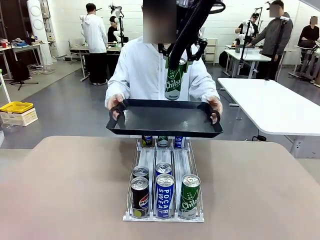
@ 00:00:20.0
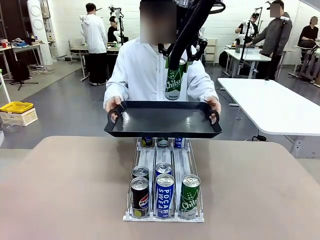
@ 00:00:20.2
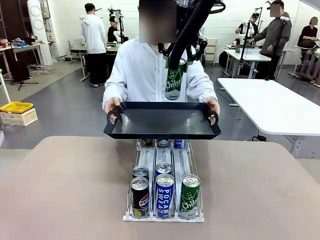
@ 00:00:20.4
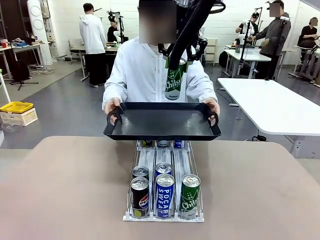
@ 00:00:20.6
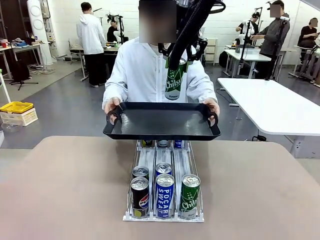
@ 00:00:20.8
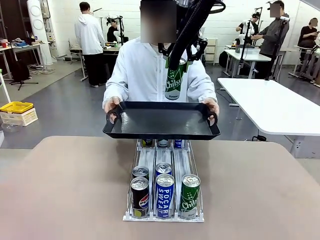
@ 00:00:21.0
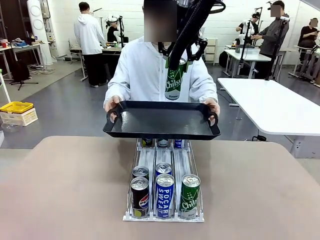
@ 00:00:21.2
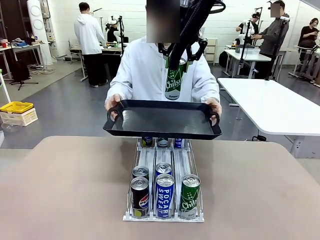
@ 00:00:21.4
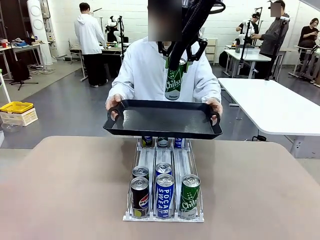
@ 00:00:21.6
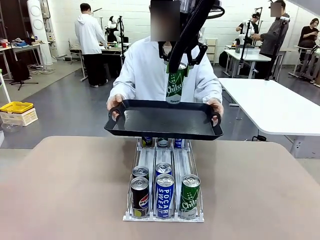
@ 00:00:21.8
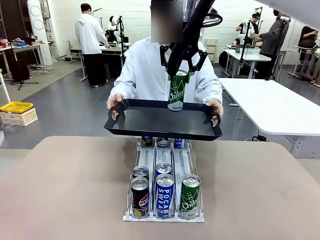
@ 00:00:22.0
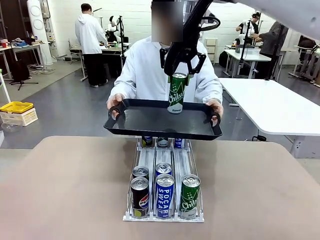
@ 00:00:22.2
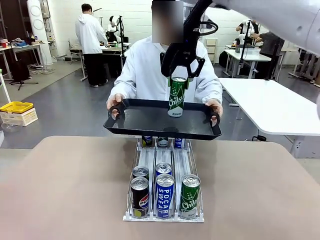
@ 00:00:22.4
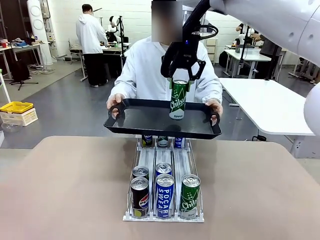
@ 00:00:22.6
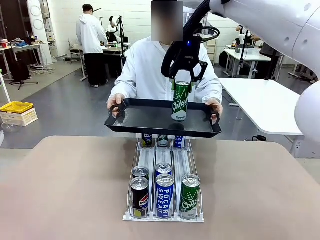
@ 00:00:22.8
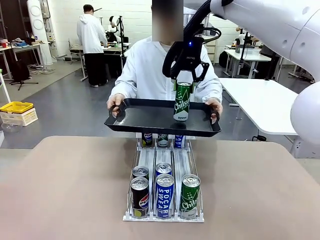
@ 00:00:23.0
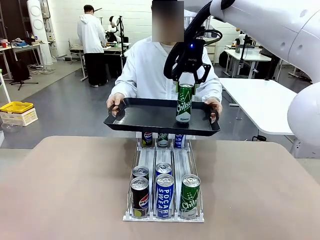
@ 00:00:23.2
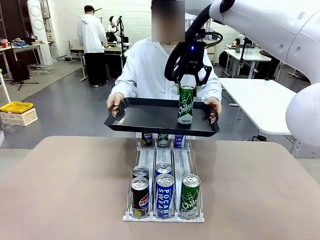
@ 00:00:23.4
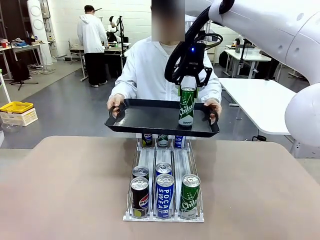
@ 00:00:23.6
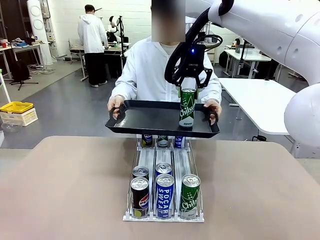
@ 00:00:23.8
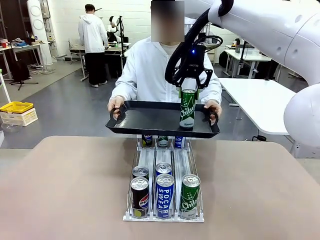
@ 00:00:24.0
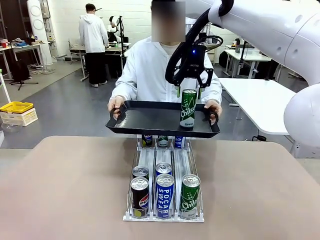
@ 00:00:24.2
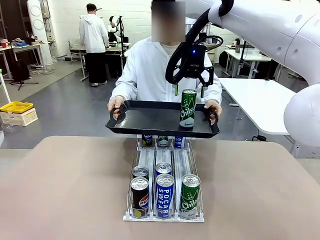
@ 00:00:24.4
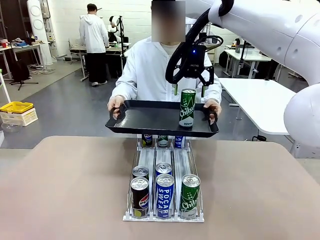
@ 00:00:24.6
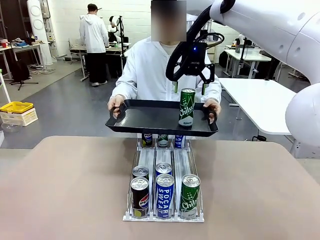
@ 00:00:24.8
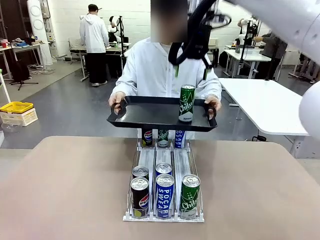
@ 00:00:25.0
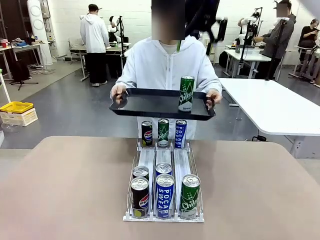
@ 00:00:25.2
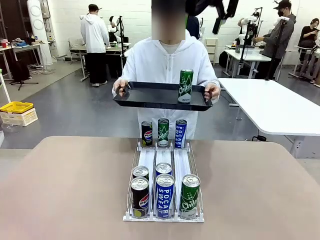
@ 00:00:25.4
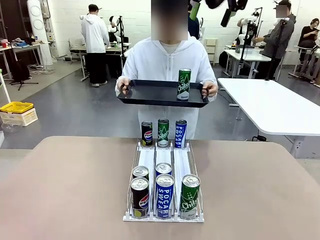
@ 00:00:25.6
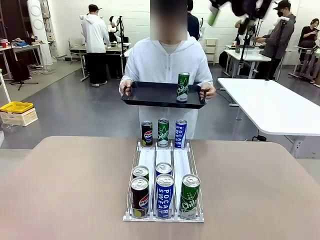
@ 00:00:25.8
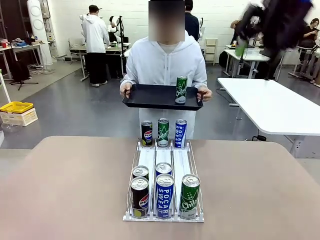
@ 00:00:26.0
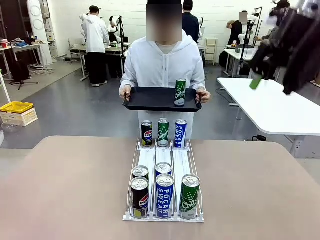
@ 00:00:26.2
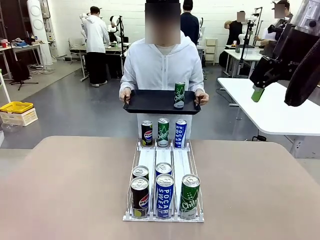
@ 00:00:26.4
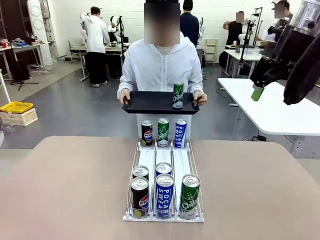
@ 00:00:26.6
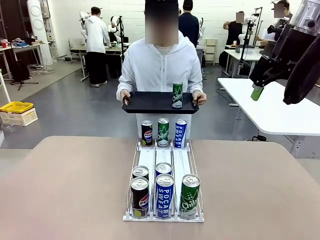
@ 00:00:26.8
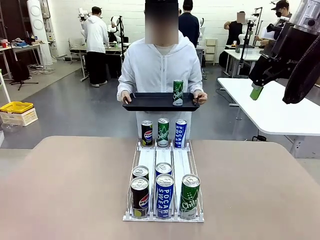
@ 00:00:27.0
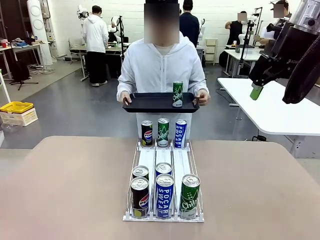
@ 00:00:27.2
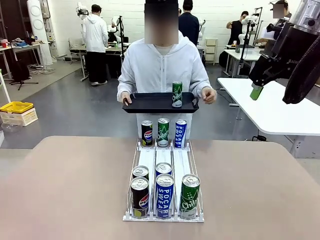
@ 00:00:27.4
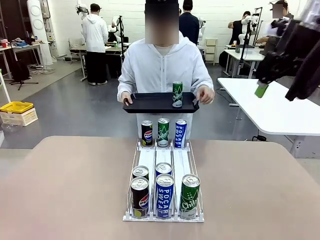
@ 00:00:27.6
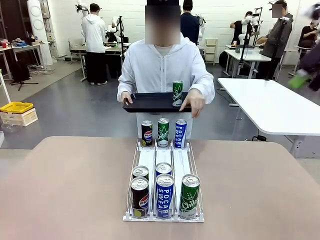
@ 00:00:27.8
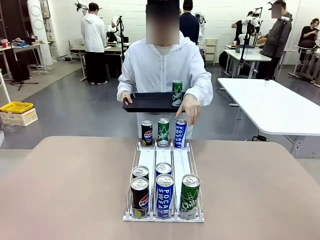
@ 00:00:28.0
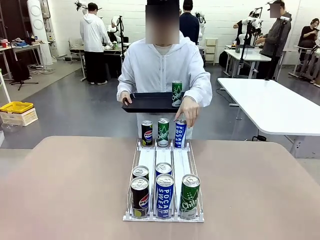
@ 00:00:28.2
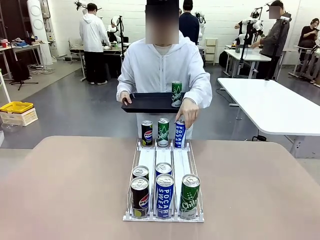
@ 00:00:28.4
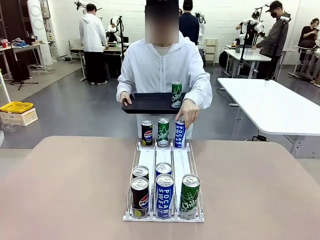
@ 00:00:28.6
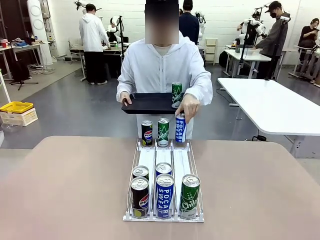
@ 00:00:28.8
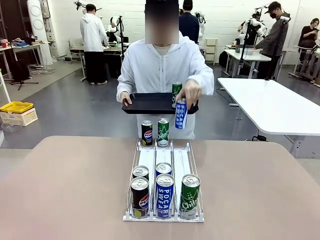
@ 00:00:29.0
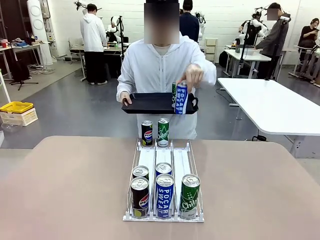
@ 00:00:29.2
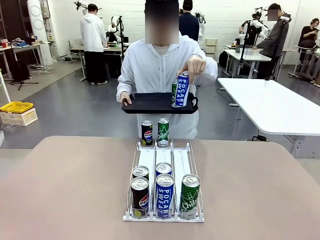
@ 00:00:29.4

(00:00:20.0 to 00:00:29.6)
Task: Retrieve and hand over the desired beverage to the person.
Robot: Place the picked can on the Handle tray extended by the person.
Person: Pull the tray back, then pick up another can from the bottom area of the table and puts it back in its original place.

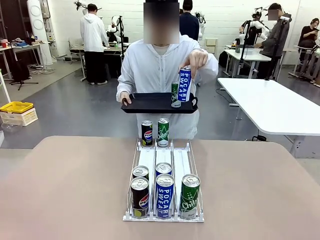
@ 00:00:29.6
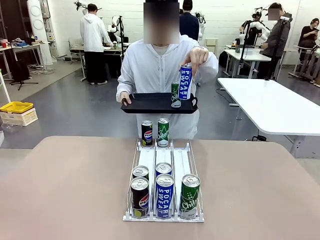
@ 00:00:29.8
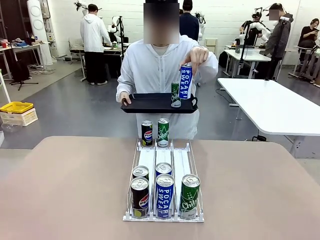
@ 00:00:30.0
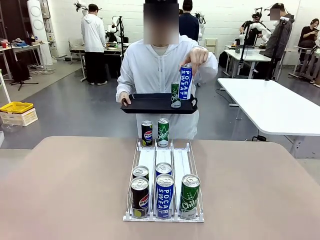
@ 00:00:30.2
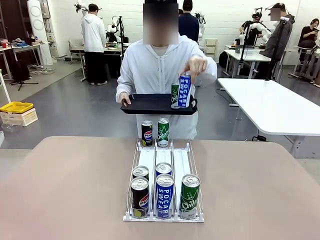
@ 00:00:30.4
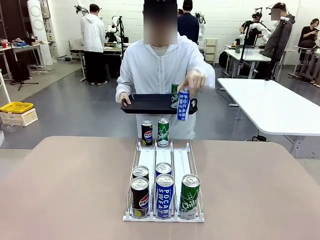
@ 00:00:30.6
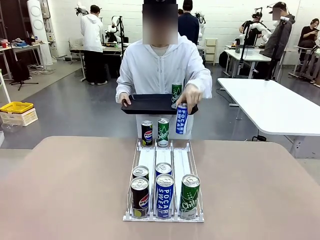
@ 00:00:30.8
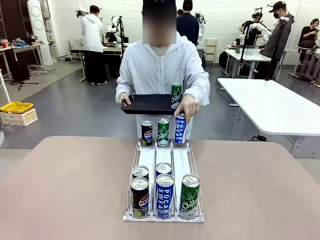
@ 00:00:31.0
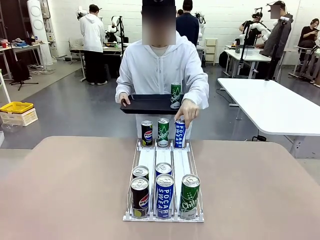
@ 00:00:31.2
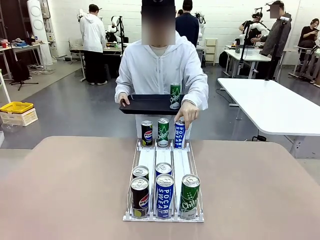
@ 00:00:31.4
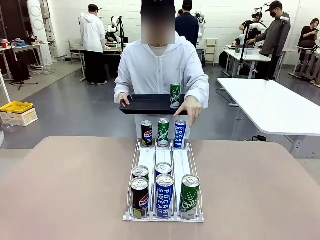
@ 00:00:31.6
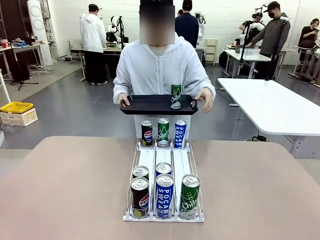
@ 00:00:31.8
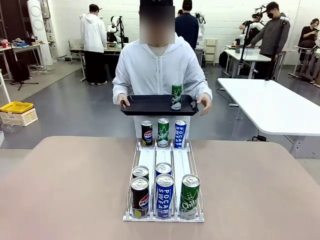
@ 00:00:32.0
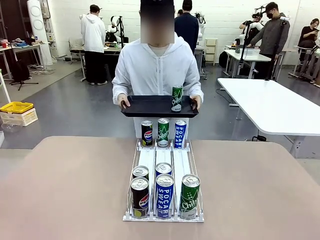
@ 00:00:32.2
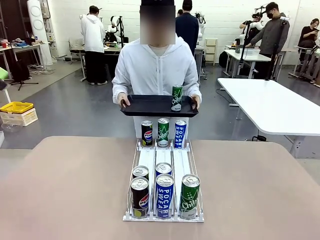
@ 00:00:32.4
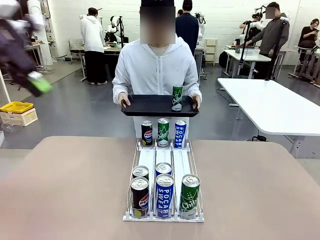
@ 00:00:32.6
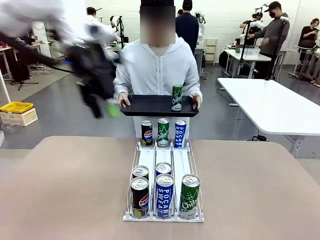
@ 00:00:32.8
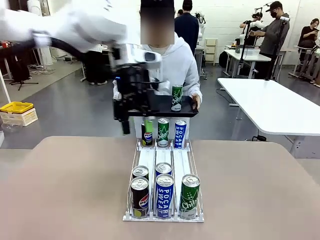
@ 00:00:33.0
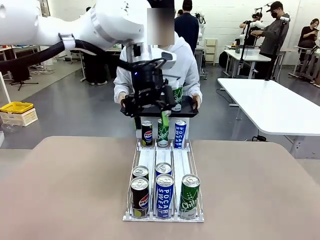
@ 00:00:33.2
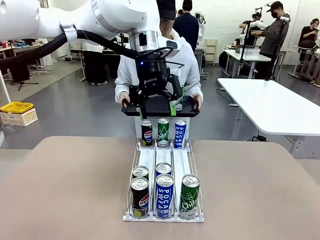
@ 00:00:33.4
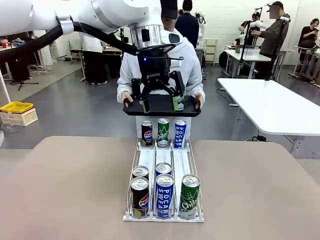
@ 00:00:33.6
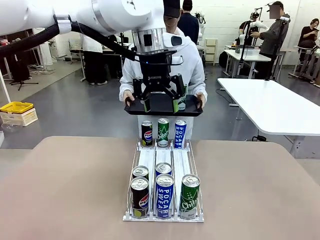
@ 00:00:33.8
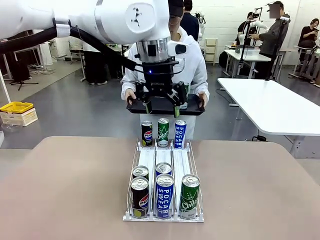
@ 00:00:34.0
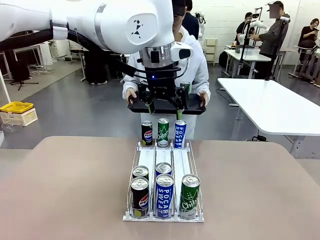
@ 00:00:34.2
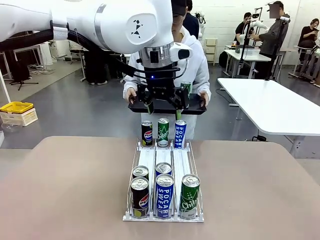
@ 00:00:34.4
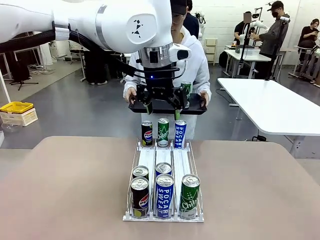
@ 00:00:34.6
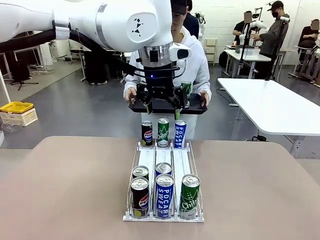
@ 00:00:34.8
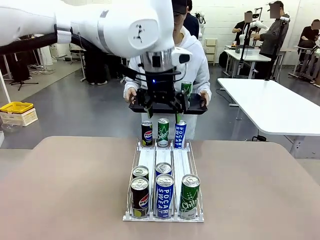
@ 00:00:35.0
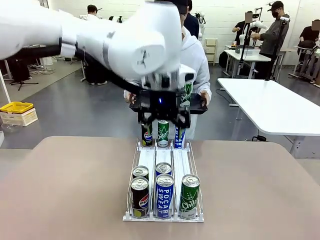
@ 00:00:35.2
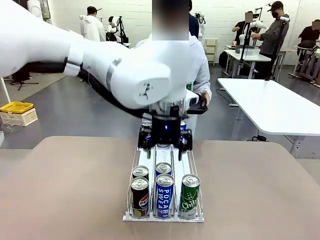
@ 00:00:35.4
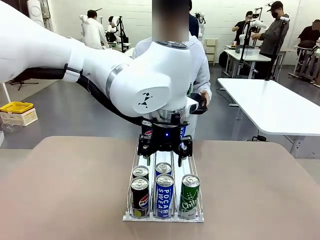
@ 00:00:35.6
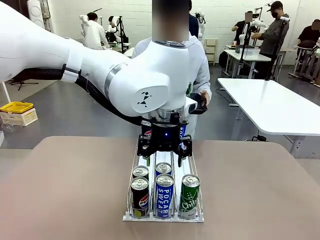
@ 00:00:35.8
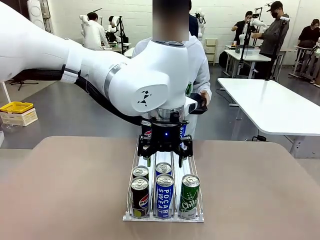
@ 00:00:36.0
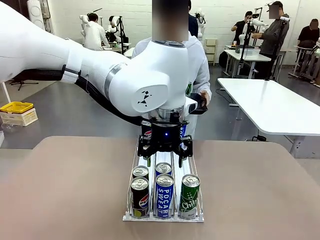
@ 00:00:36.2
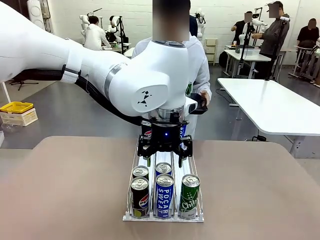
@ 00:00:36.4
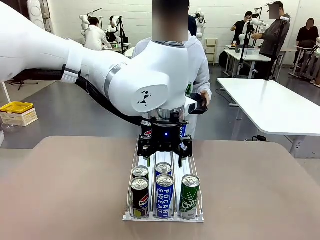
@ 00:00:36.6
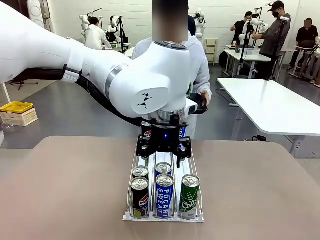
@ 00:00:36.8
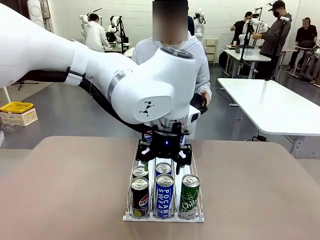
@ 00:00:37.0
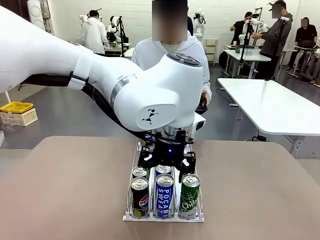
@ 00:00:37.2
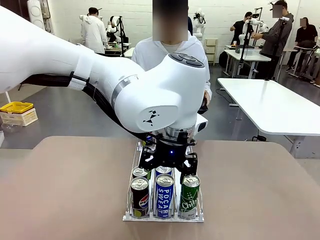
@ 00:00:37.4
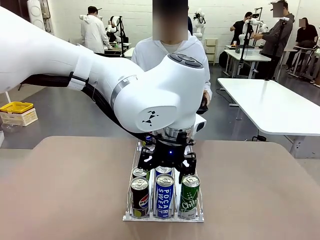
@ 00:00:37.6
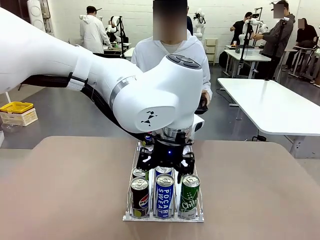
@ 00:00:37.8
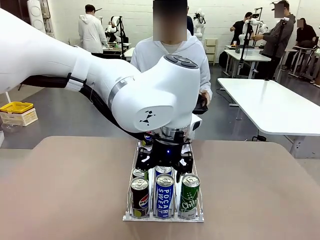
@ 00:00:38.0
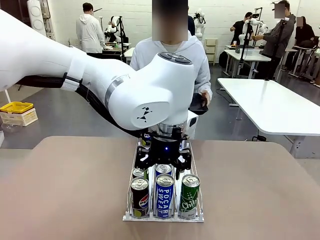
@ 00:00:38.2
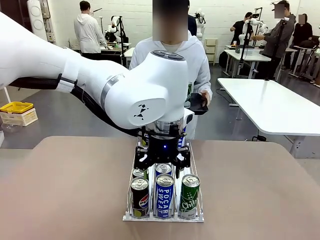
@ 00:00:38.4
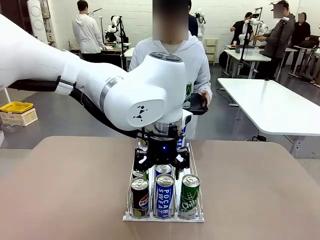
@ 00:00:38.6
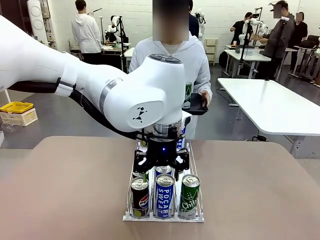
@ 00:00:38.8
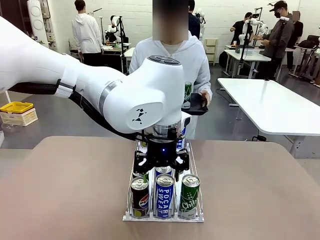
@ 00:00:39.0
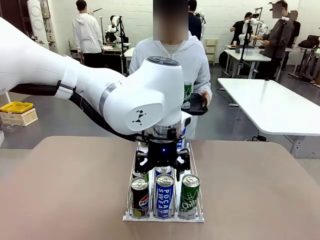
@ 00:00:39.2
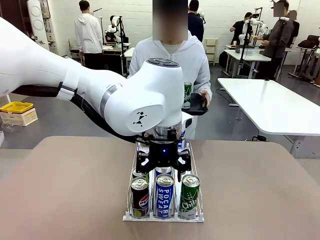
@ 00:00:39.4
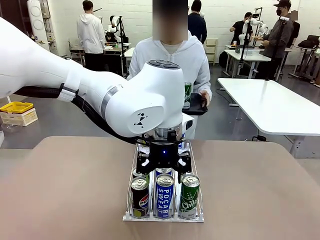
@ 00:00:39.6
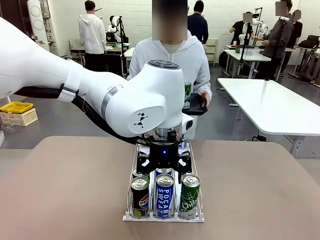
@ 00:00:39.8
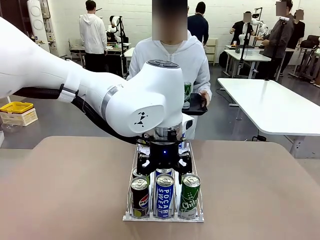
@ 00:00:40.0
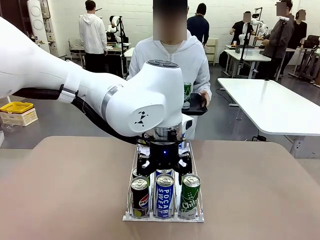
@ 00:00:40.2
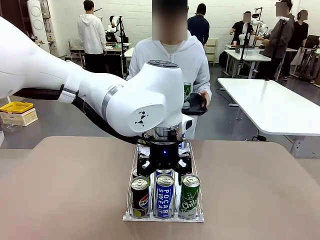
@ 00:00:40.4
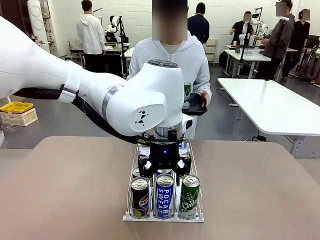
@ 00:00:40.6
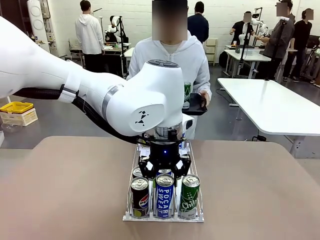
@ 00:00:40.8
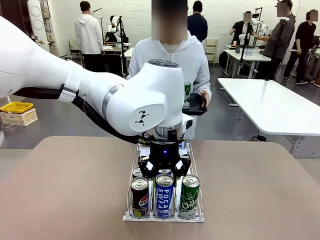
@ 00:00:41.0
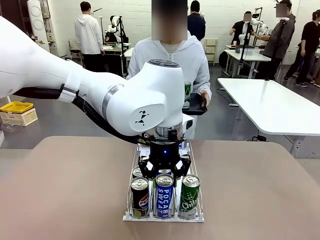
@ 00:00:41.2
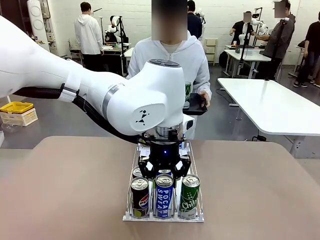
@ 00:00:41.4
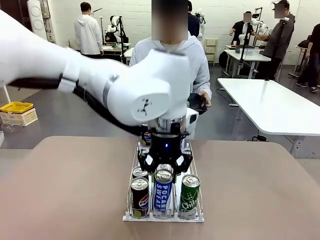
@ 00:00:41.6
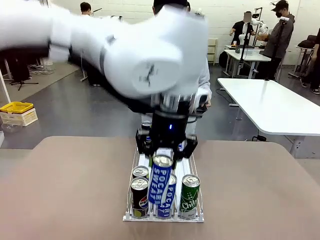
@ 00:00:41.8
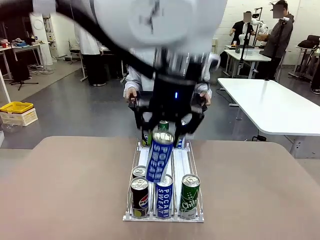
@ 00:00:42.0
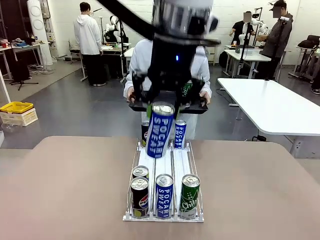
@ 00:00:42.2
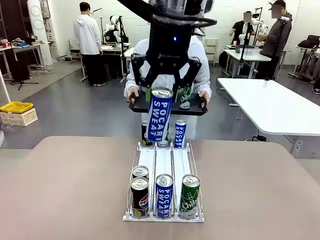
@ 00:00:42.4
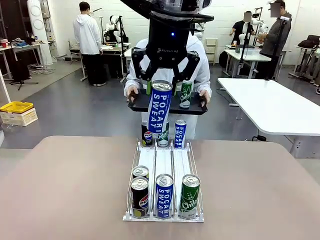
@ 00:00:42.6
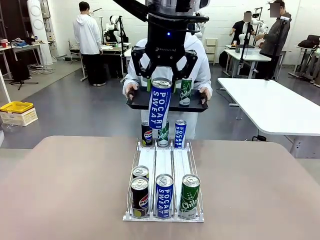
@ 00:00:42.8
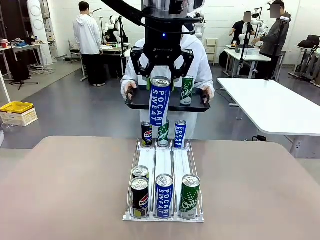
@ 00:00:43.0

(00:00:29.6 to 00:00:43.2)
Robot: Pick up another can of the same type that the person held from the Automatic Can Dispenser.
Person: Push the tray toward the robot again.
